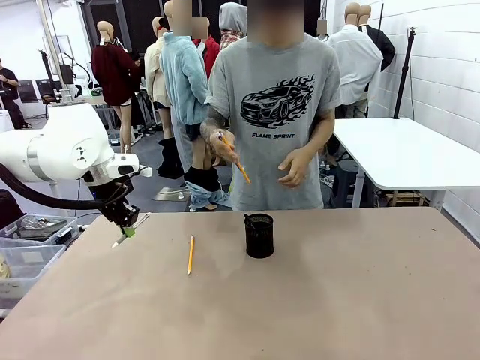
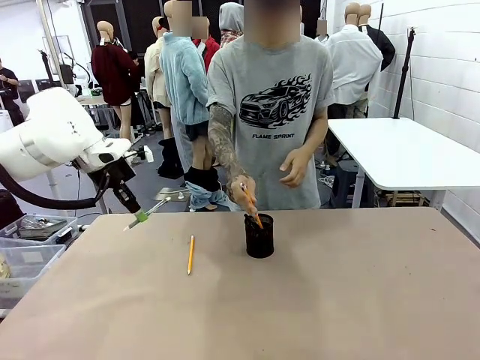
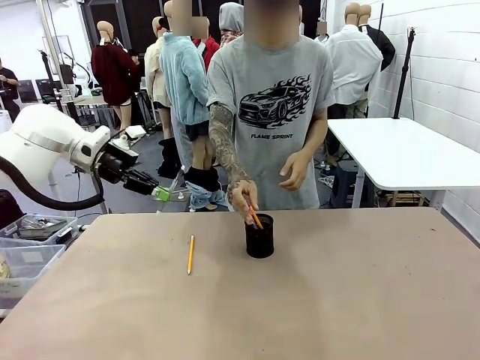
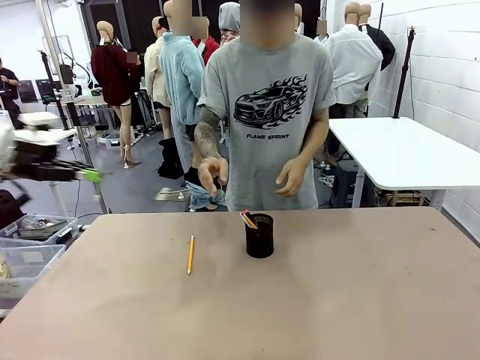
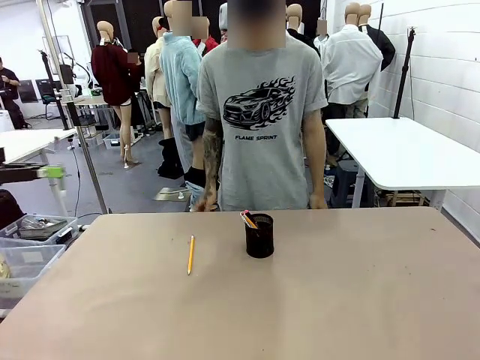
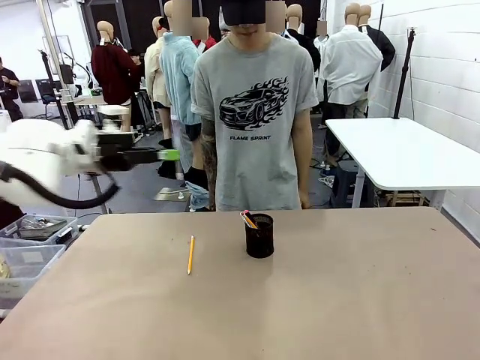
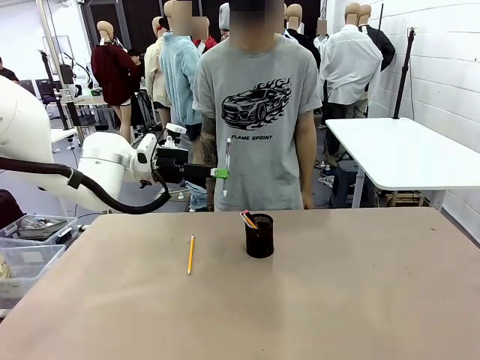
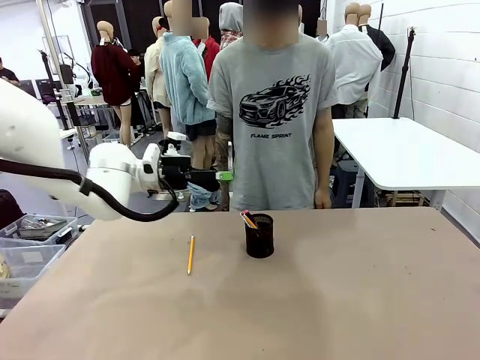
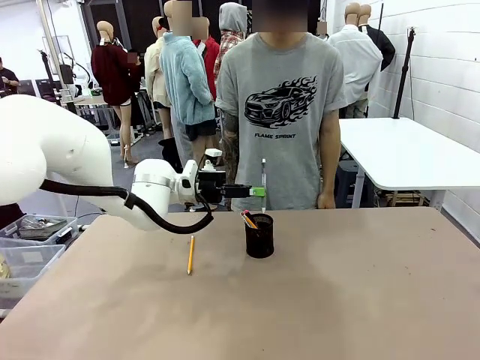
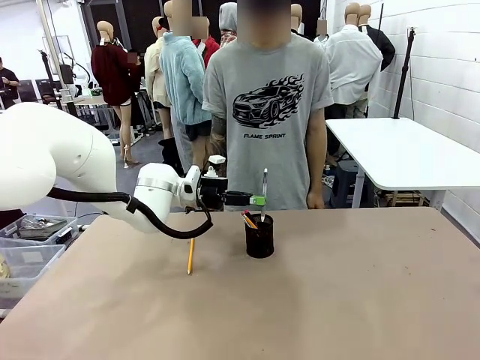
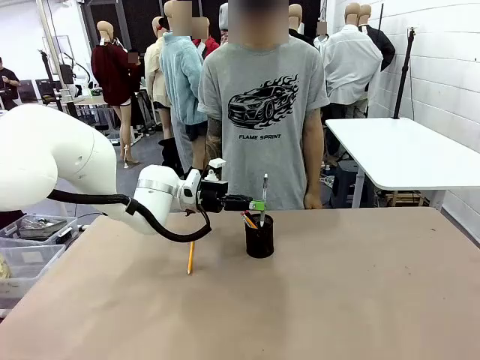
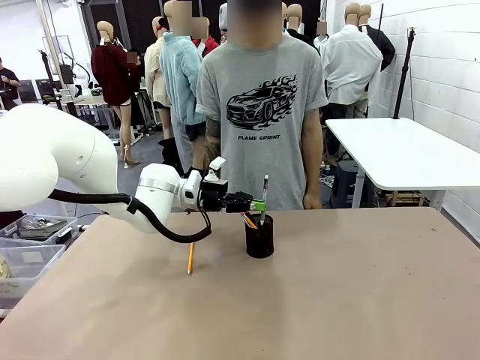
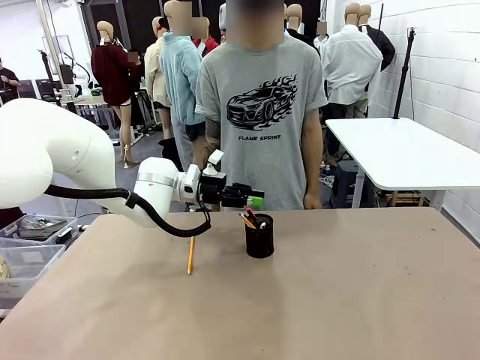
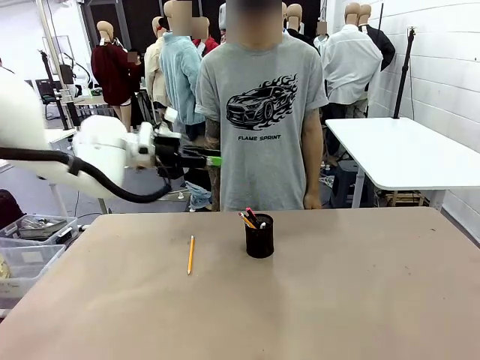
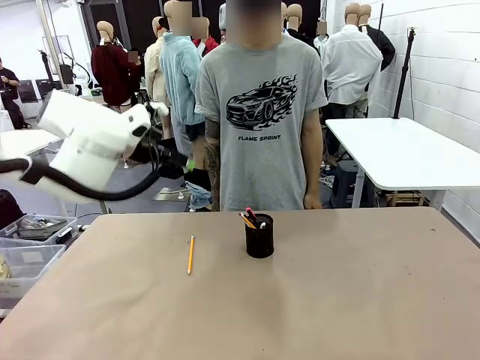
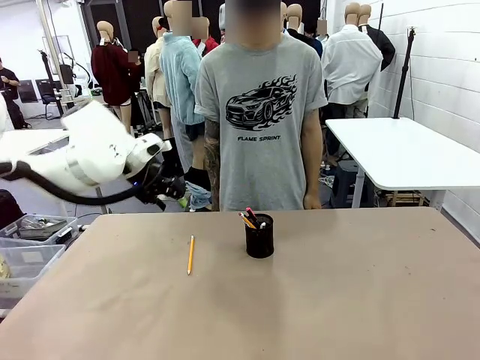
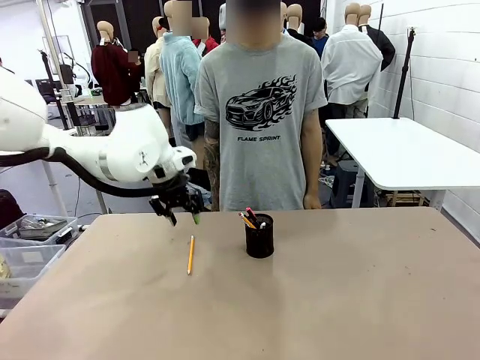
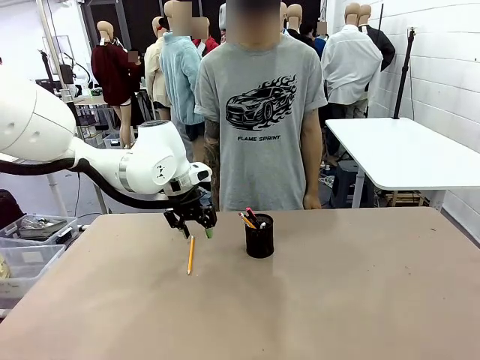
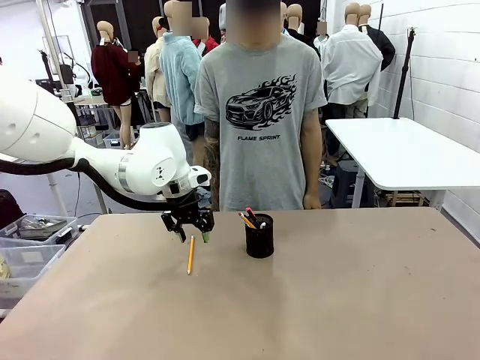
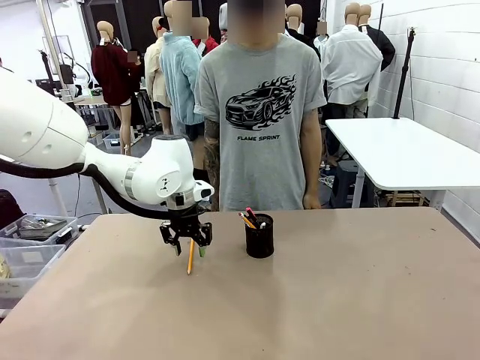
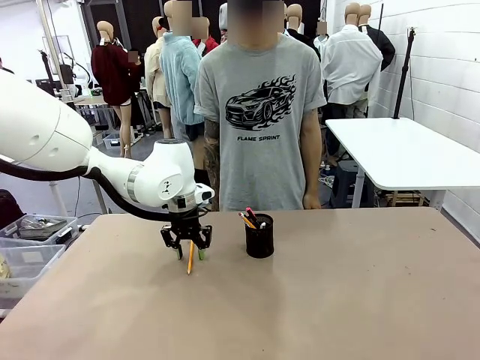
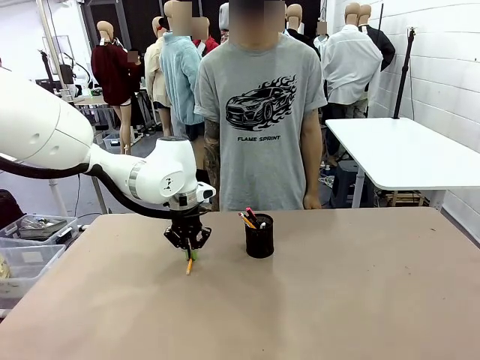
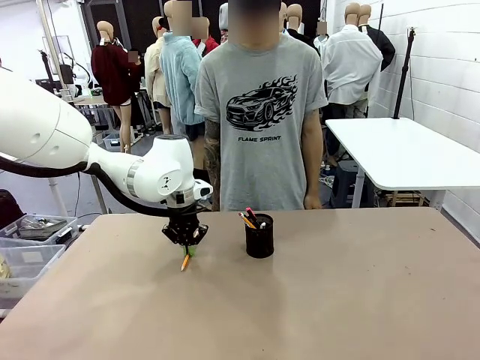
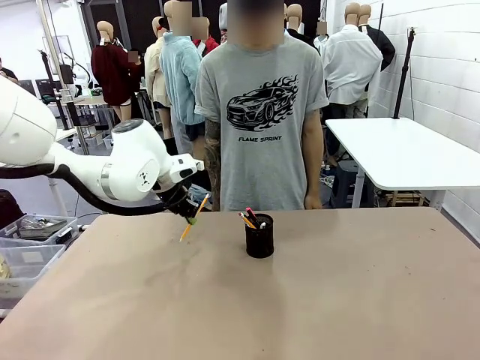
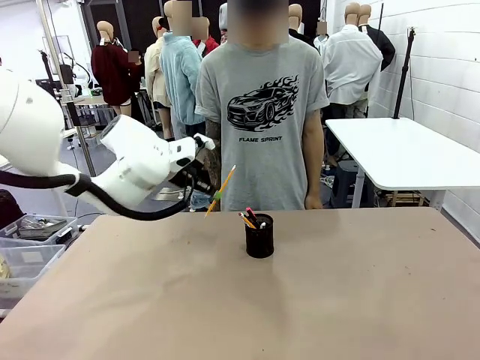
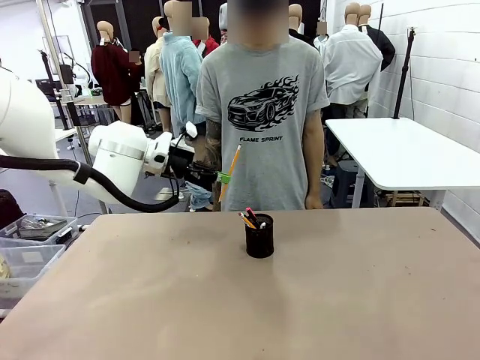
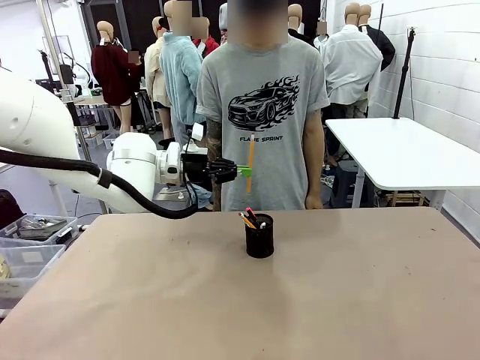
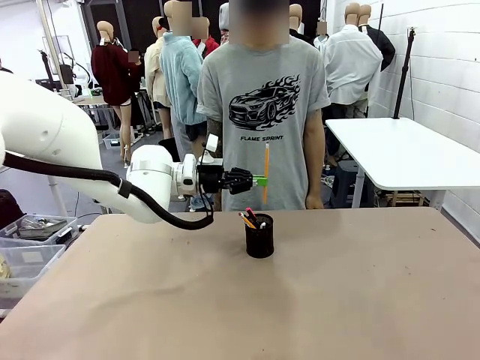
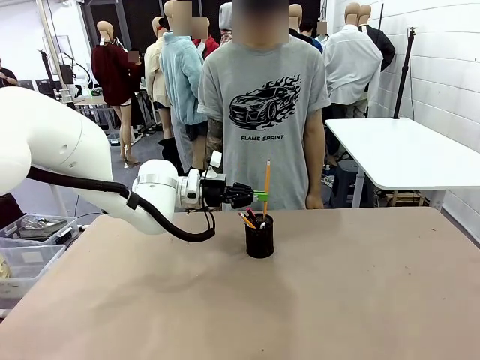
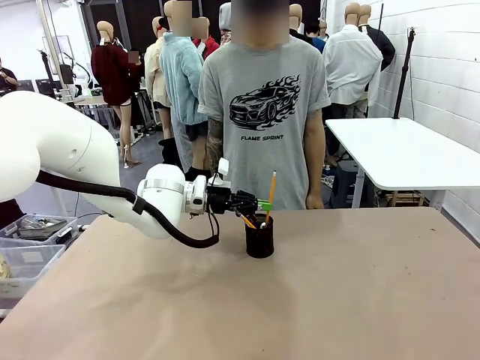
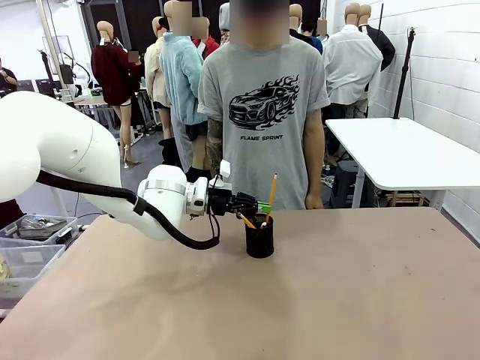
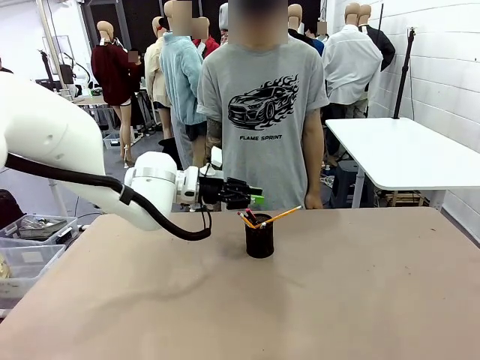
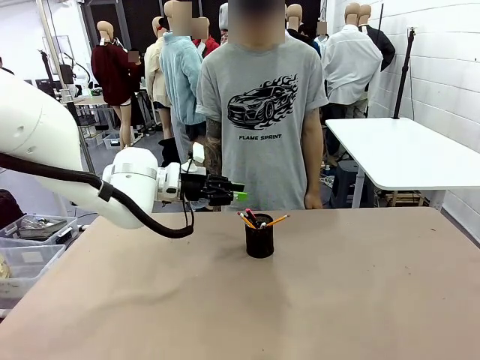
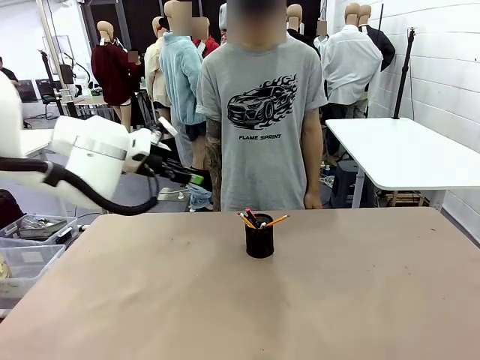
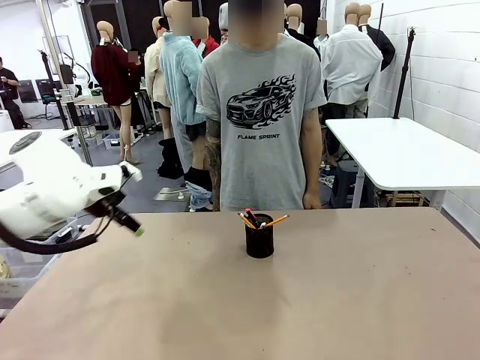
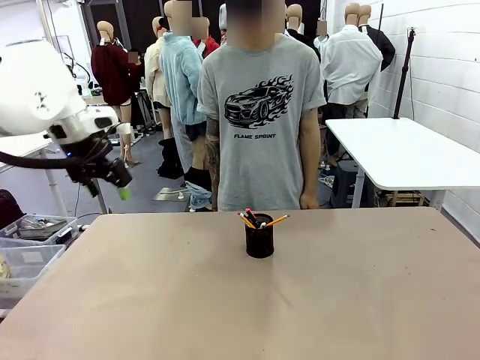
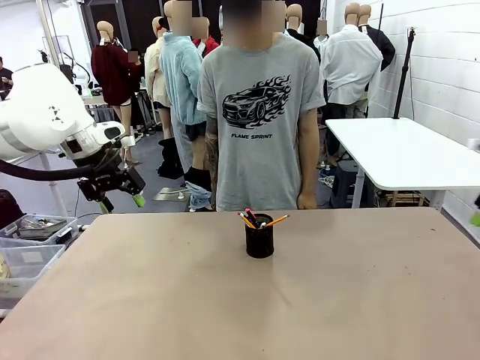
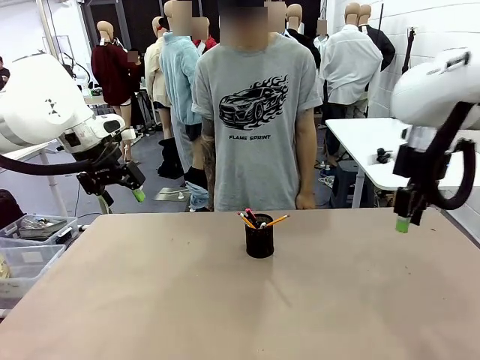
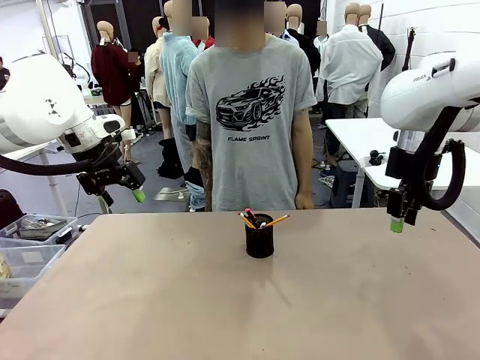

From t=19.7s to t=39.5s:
Task: Place the pens into the pen holder.
Robot: Pick up a writing instrument from the table and place it into the Pen holder.
Person: Place all writing instrument into the Pen holder.
